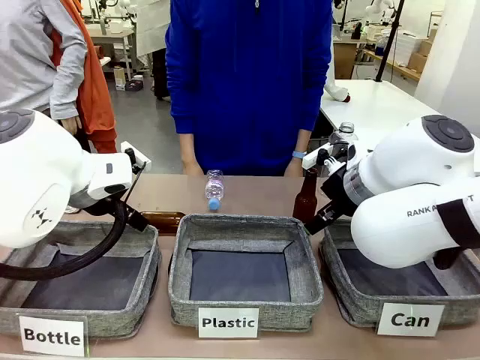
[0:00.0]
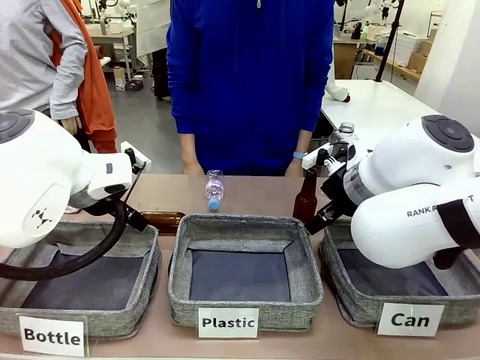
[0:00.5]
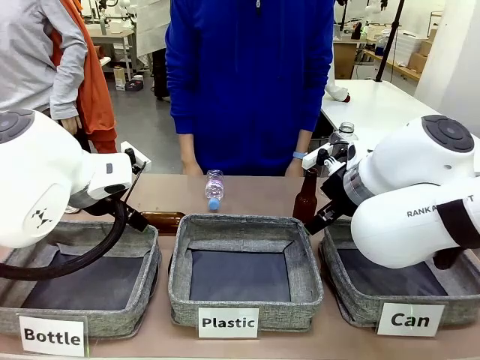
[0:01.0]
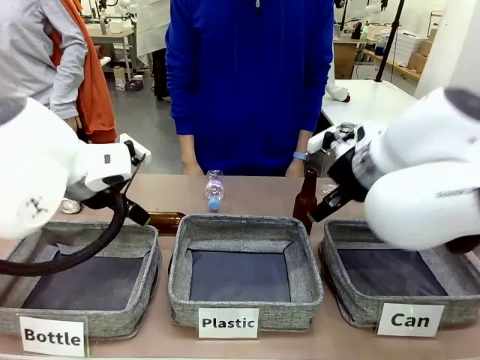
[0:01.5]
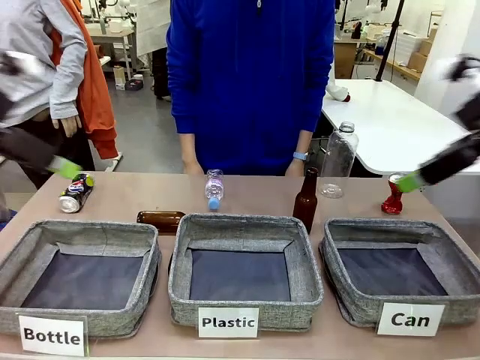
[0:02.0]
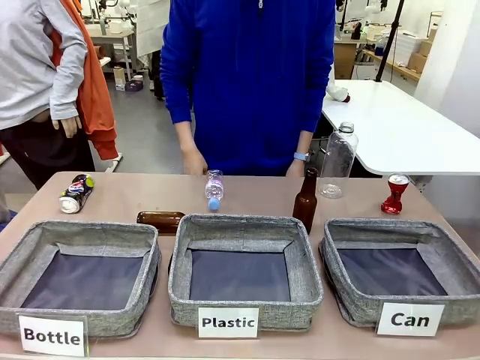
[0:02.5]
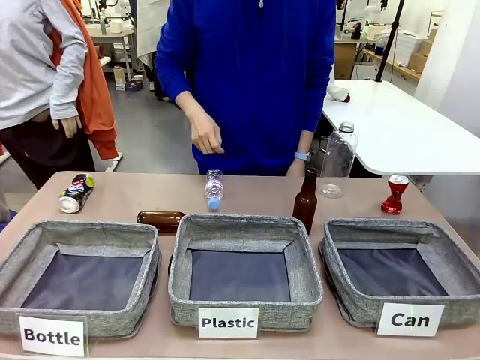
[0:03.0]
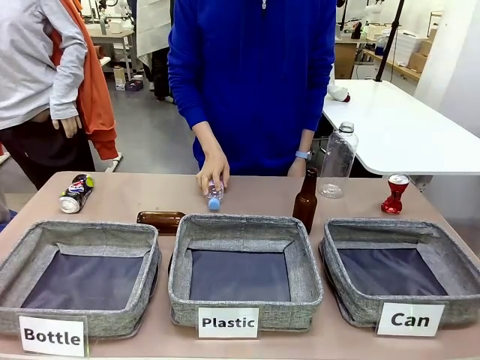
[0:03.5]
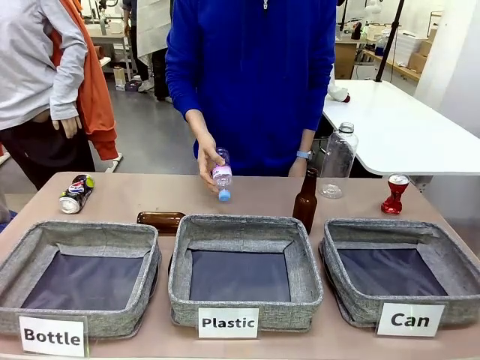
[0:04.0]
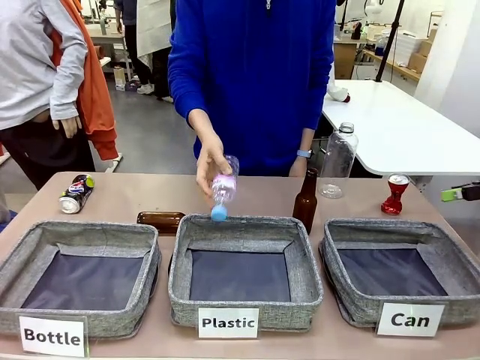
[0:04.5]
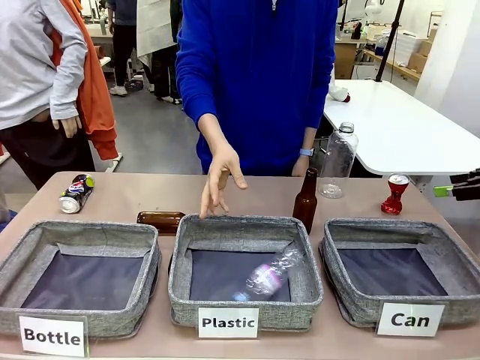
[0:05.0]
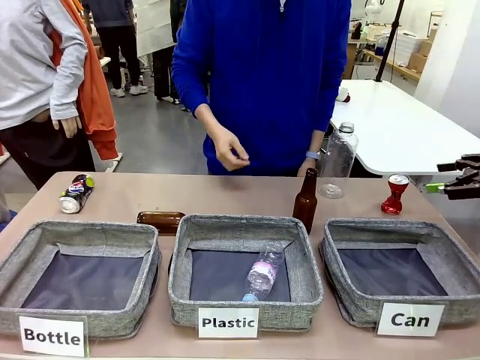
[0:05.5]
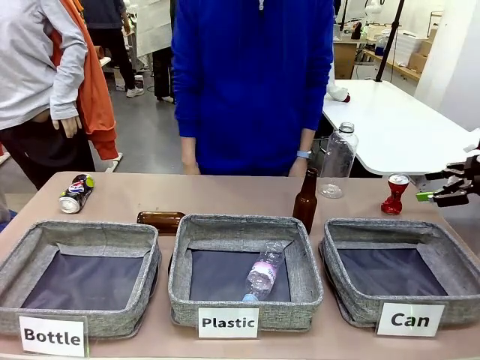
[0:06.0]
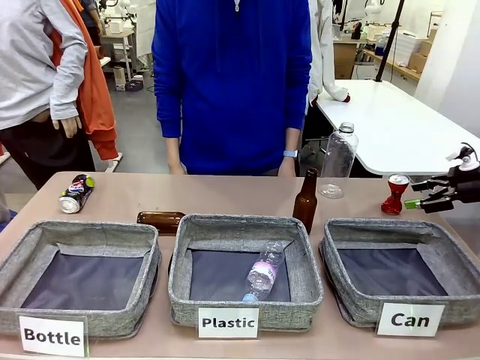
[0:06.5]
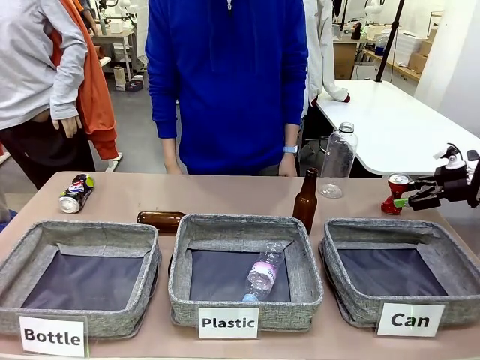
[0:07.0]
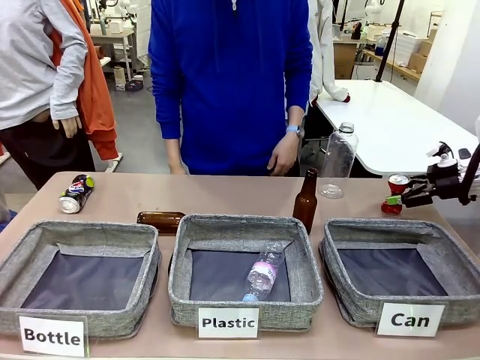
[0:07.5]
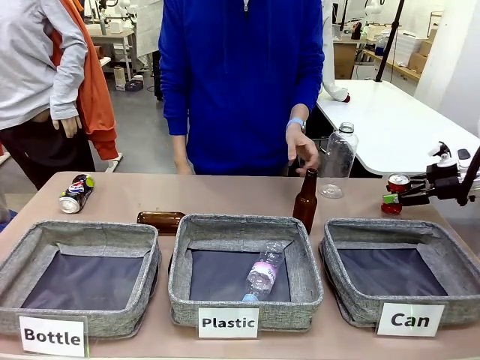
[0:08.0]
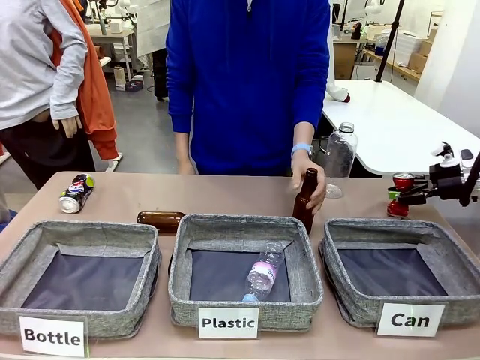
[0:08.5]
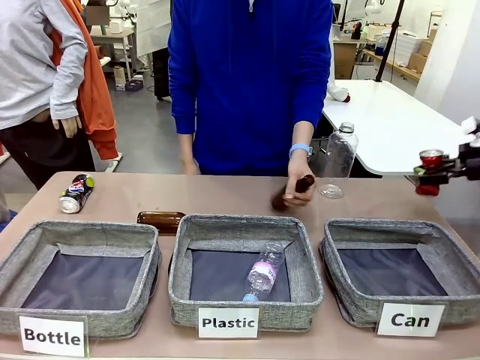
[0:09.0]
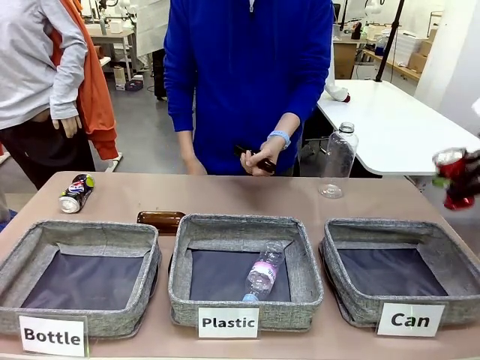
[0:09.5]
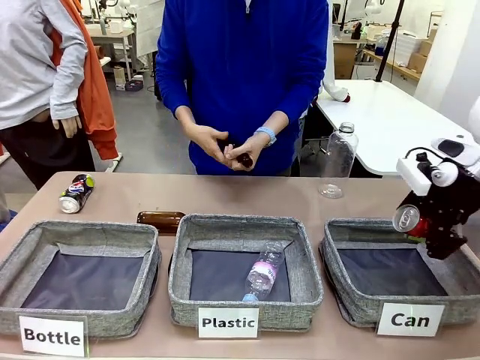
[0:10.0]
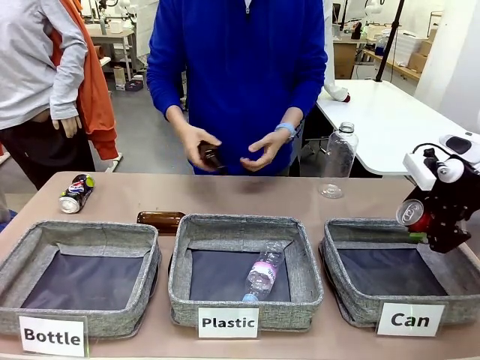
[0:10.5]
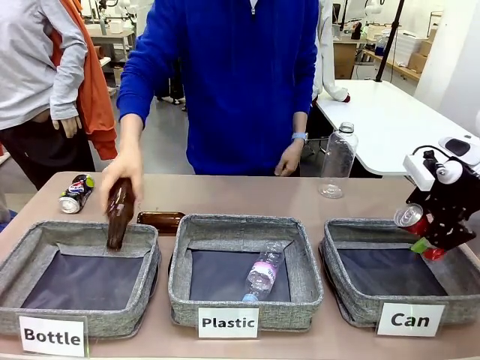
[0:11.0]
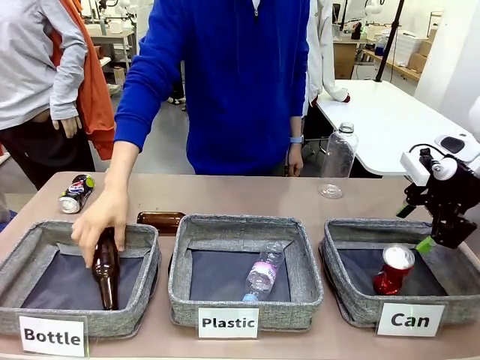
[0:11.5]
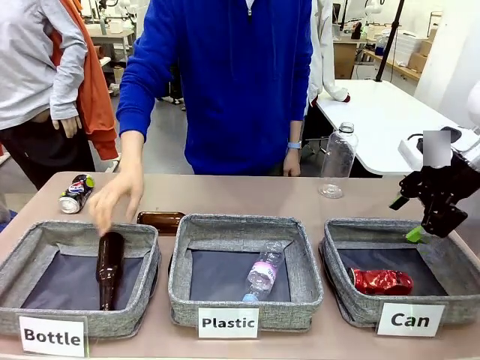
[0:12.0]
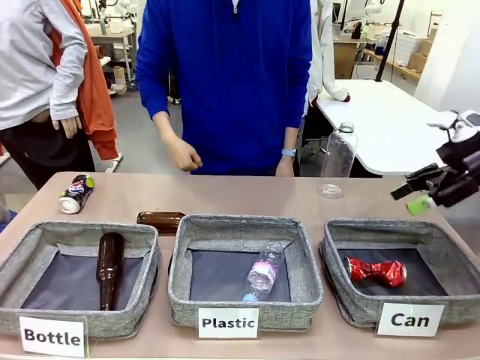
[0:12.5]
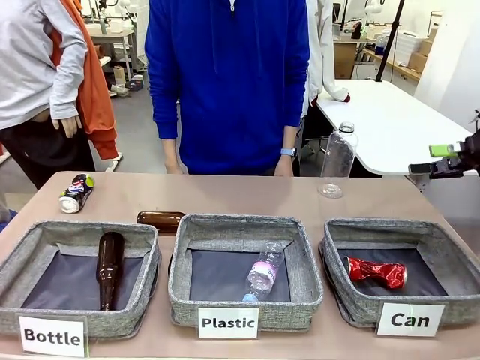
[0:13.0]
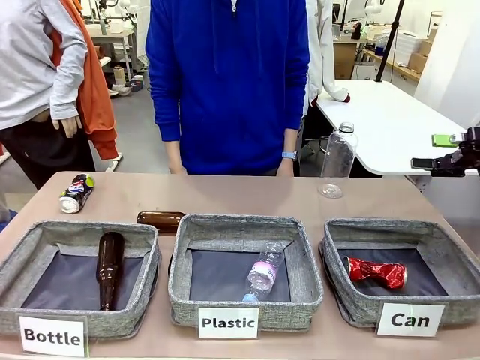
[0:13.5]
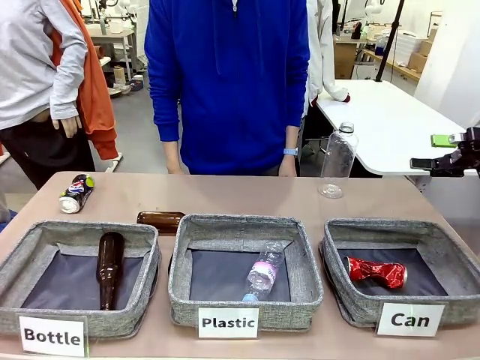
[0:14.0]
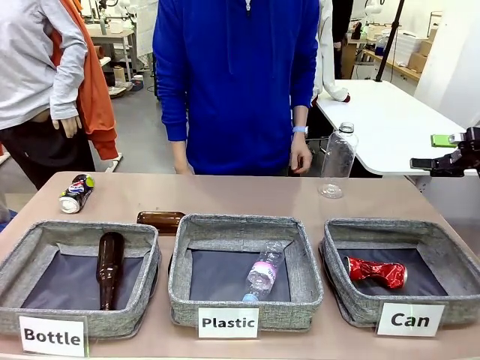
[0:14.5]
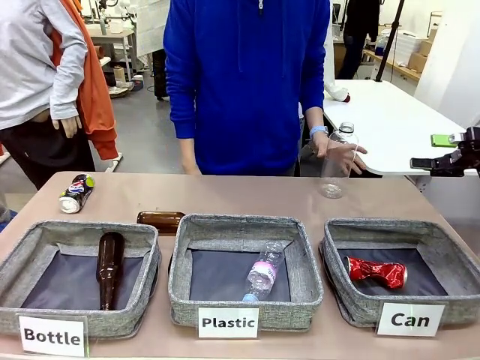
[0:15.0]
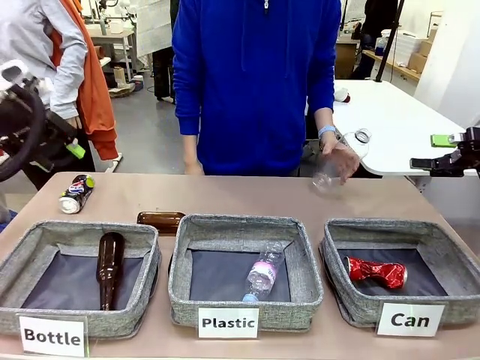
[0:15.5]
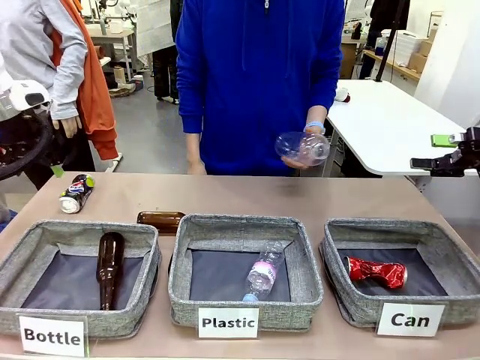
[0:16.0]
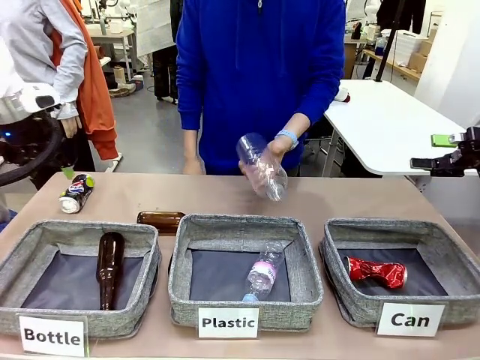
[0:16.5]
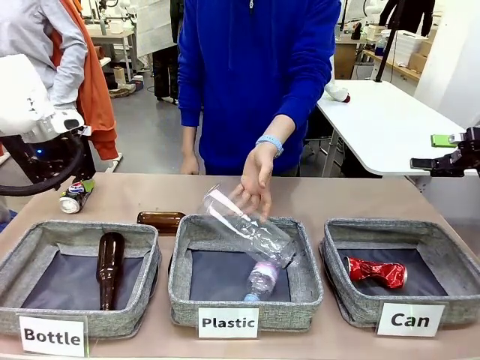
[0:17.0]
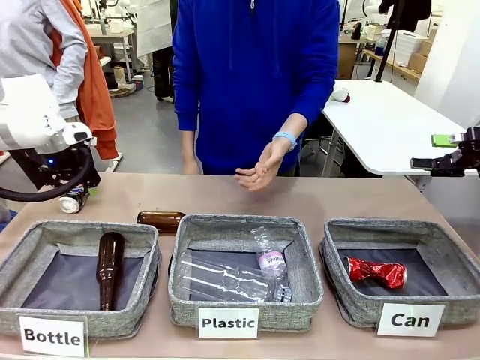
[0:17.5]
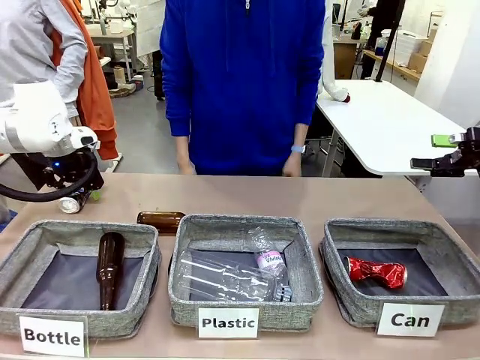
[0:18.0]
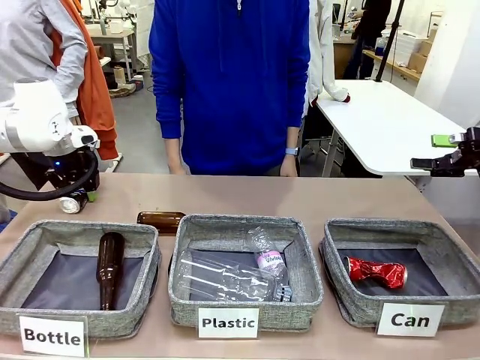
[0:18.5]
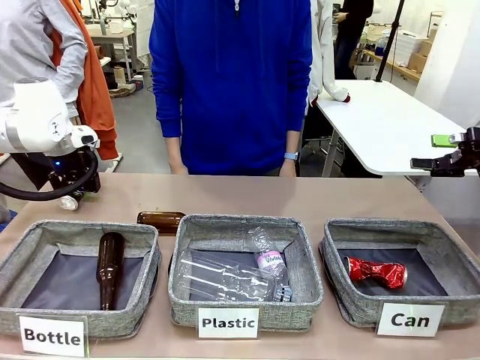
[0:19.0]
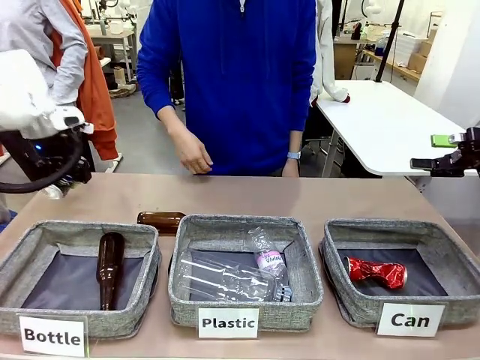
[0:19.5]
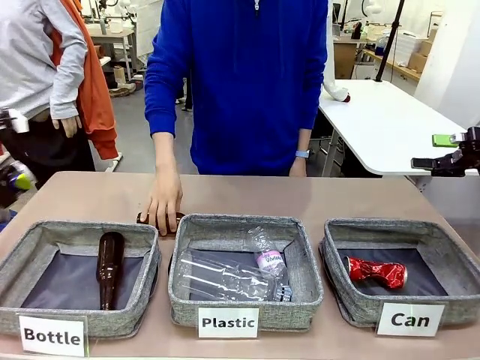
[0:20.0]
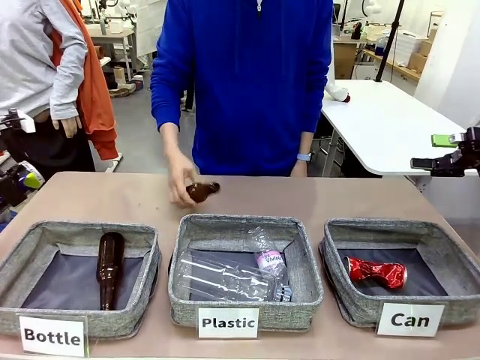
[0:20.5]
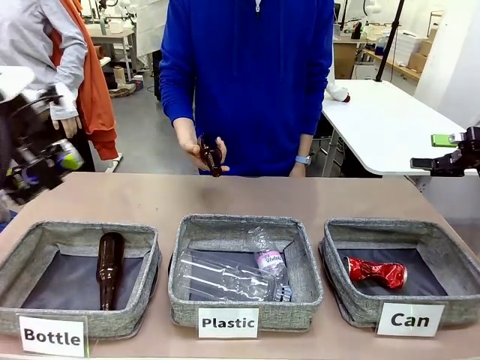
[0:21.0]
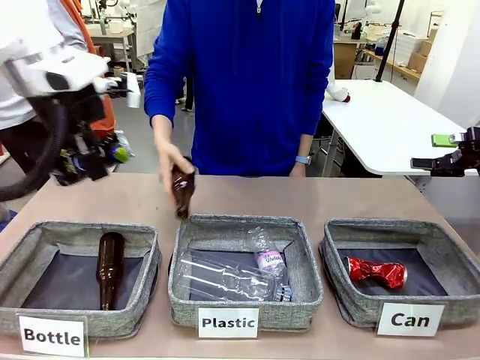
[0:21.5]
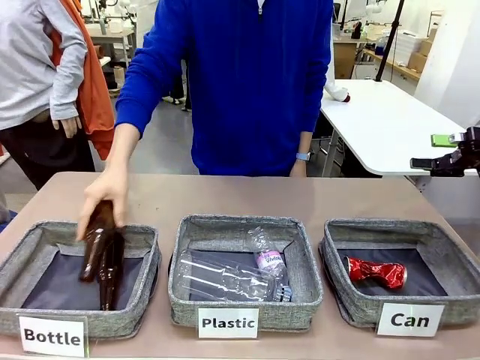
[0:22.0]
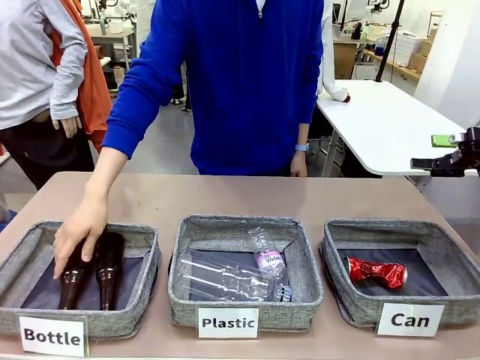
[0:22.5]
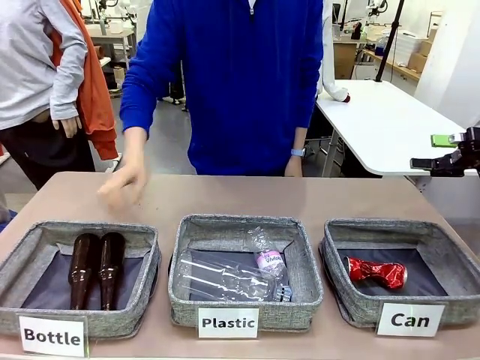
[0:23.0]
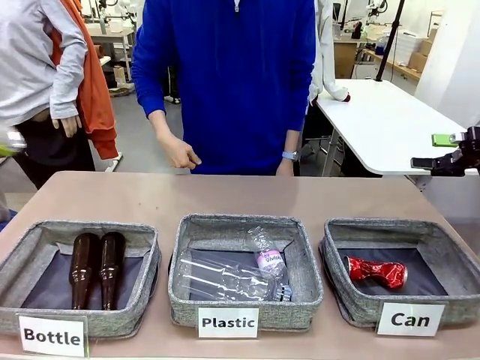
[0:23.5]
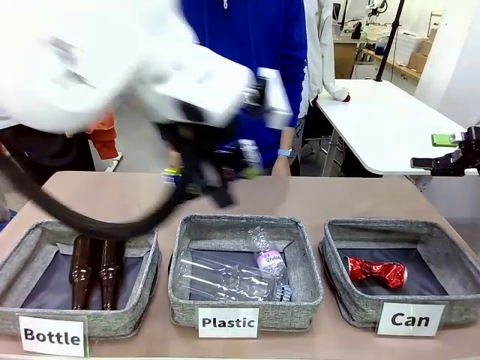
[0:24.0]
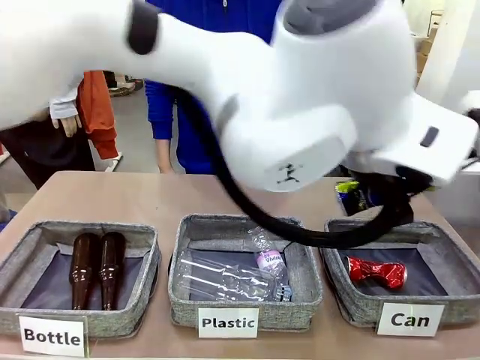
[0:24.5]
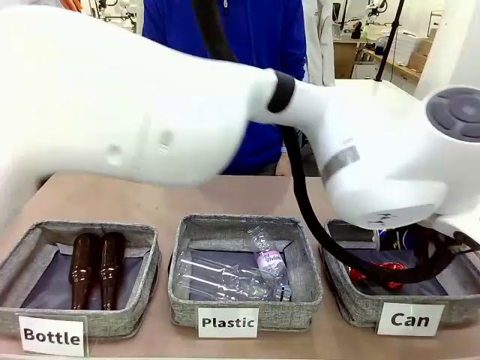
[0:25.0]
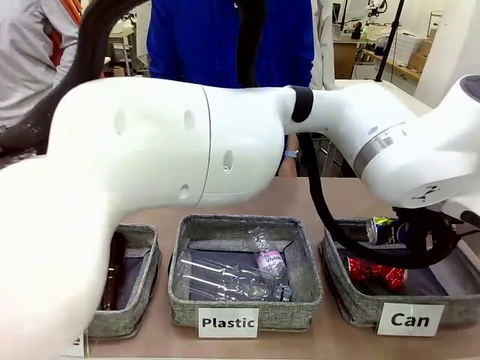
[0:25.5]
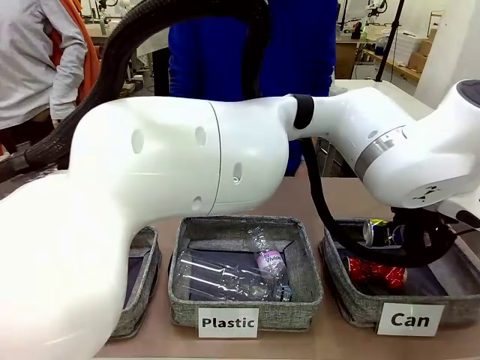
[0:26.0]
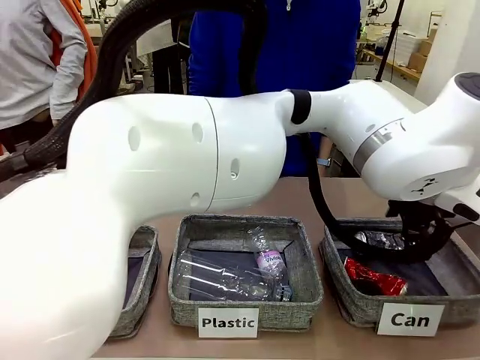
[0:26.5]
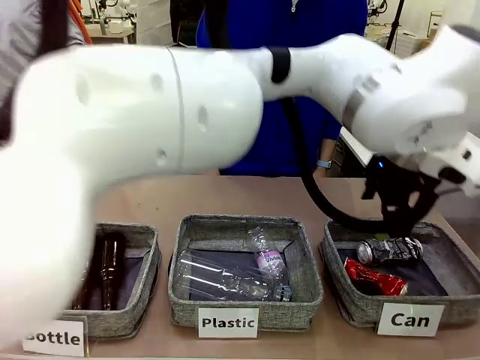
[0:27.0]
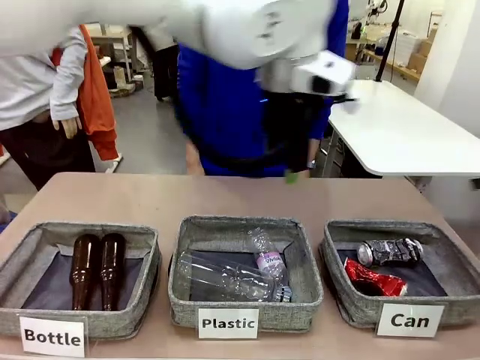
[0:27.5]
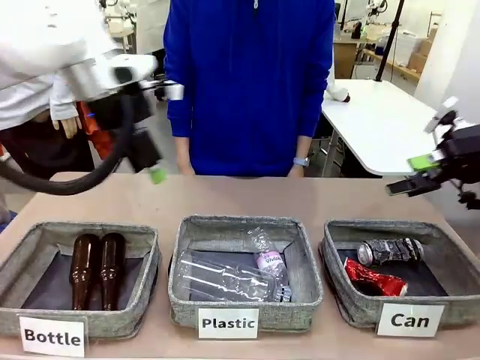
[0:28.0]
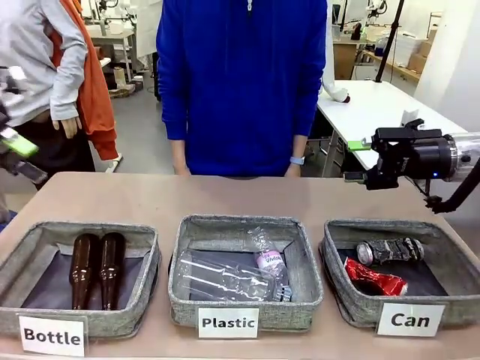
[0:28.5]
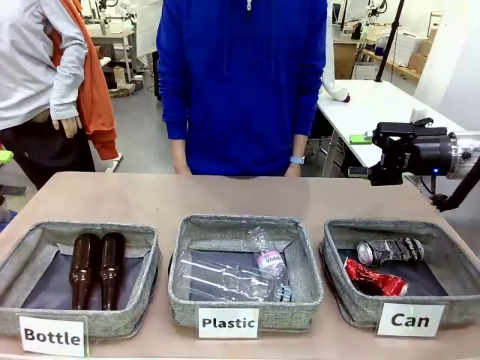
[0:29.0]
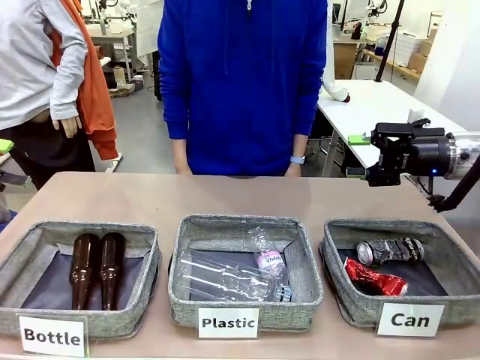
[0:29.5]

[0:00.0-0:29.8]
Task: Sort the can waste into the basket.
Robot: Pick up the can waste from the table and place it in the right Fabric basket.
Person: The human picks up one piece of trash that is not a can and places the trash into the appropriate organizing basket.
